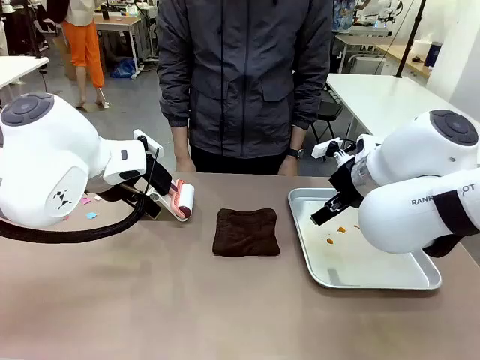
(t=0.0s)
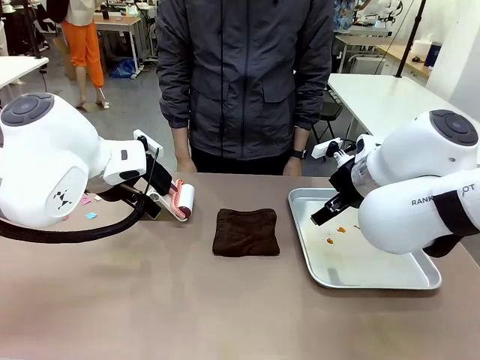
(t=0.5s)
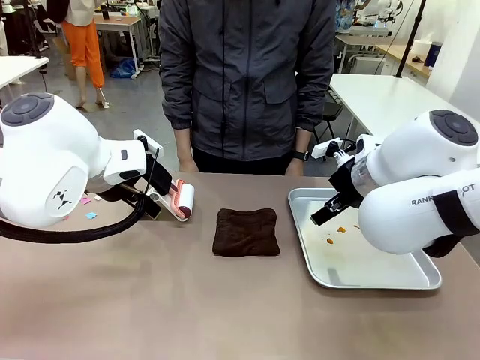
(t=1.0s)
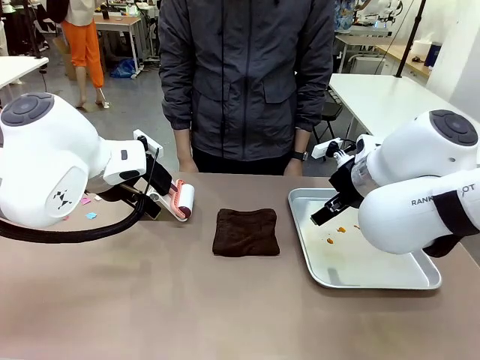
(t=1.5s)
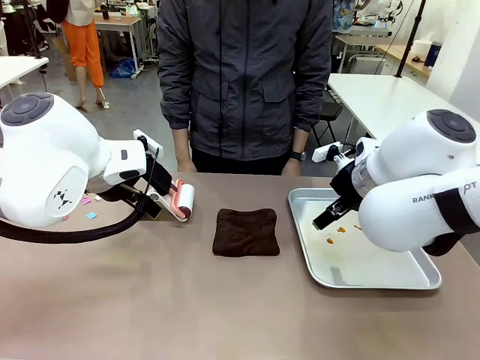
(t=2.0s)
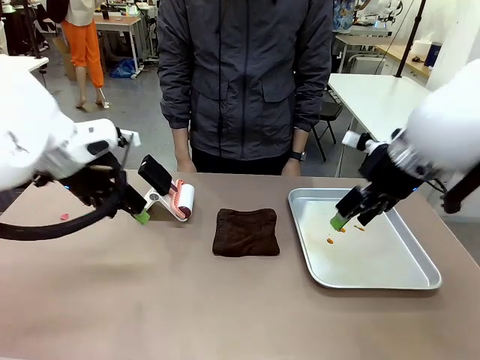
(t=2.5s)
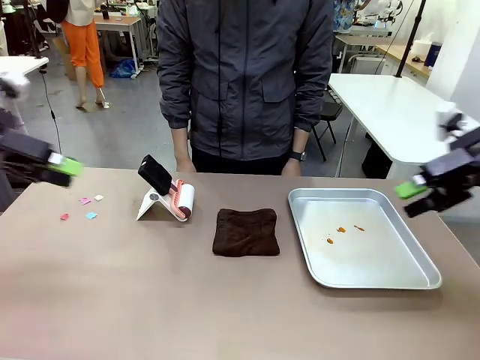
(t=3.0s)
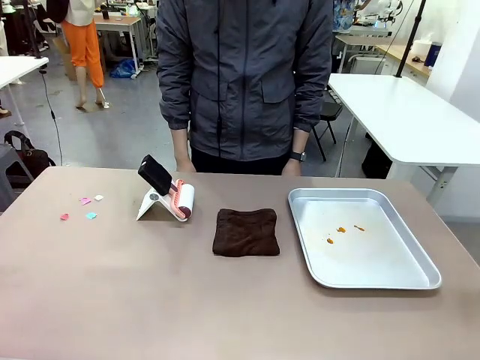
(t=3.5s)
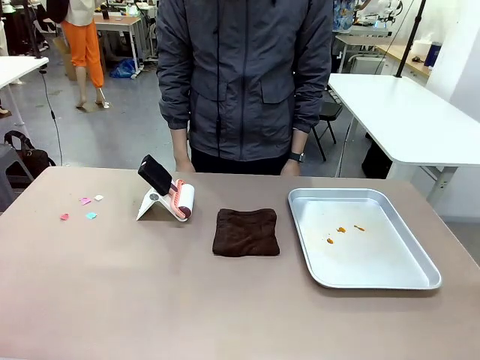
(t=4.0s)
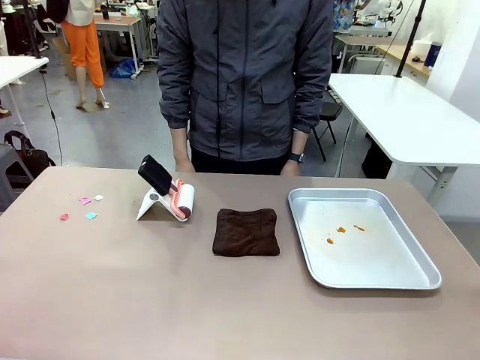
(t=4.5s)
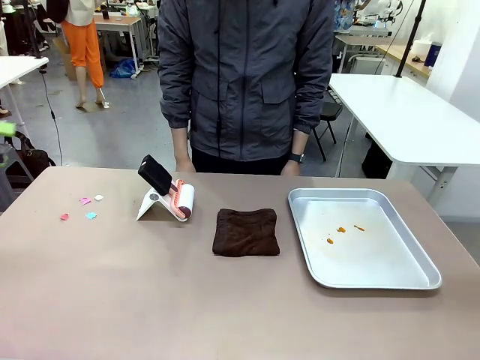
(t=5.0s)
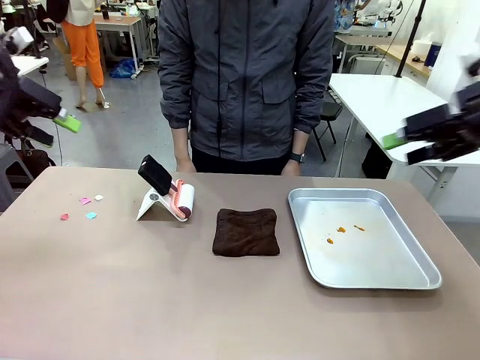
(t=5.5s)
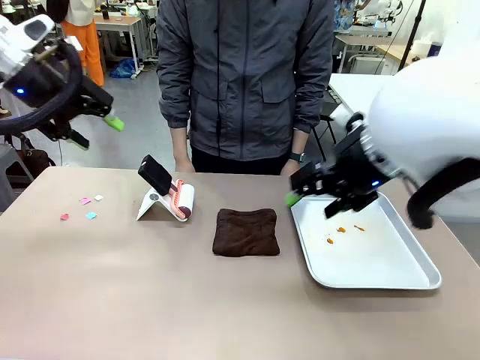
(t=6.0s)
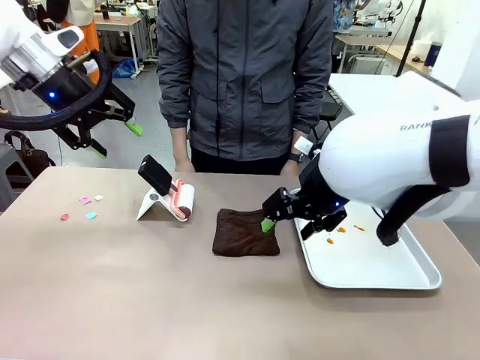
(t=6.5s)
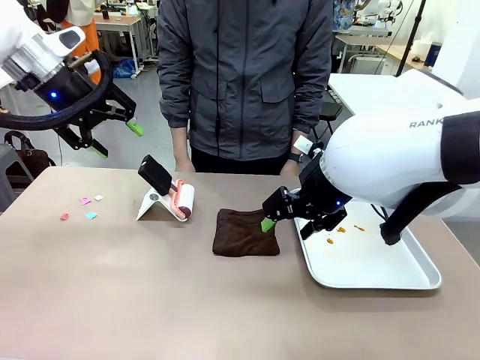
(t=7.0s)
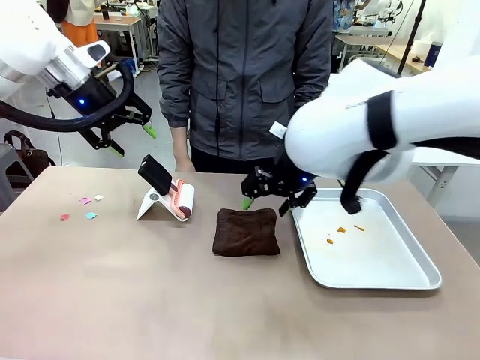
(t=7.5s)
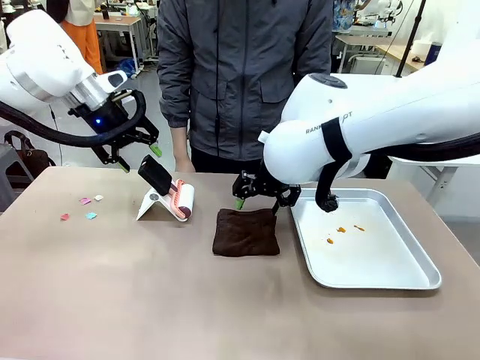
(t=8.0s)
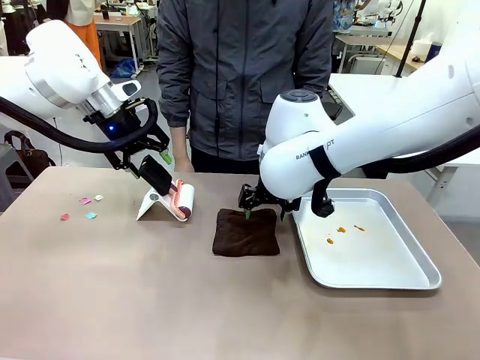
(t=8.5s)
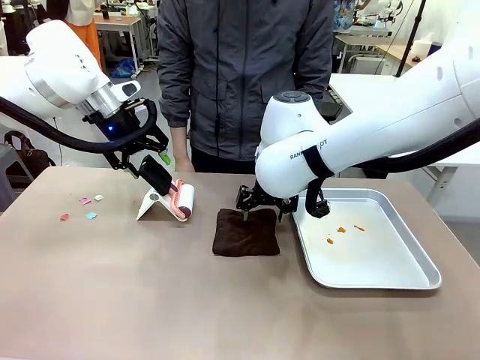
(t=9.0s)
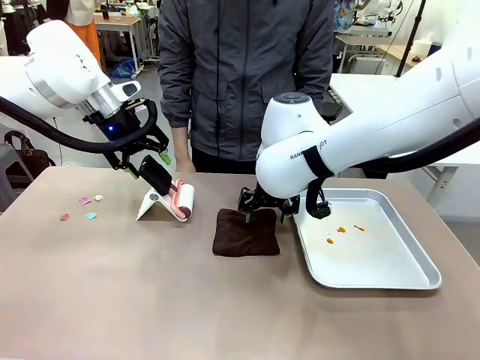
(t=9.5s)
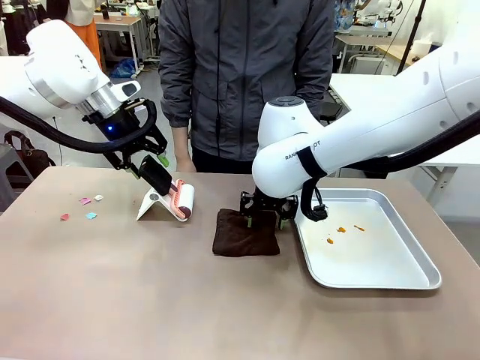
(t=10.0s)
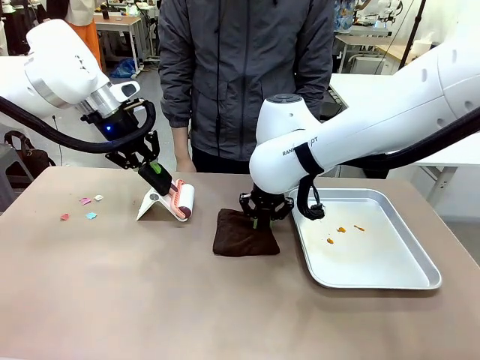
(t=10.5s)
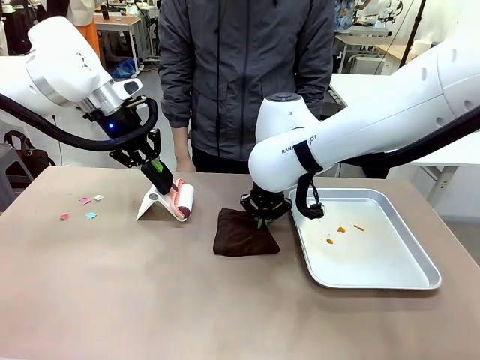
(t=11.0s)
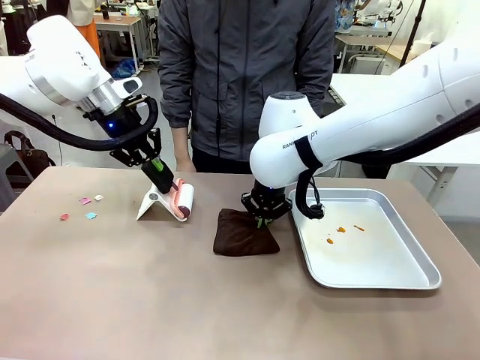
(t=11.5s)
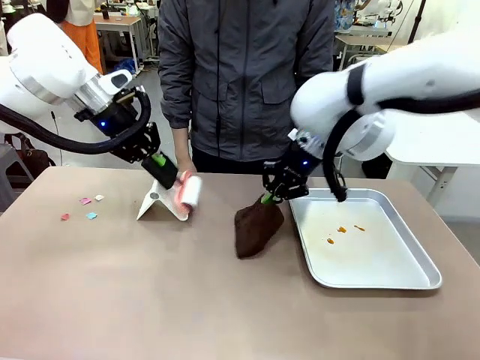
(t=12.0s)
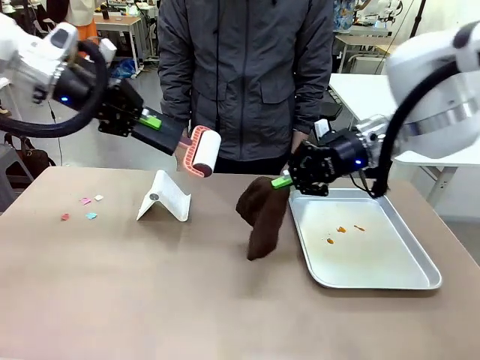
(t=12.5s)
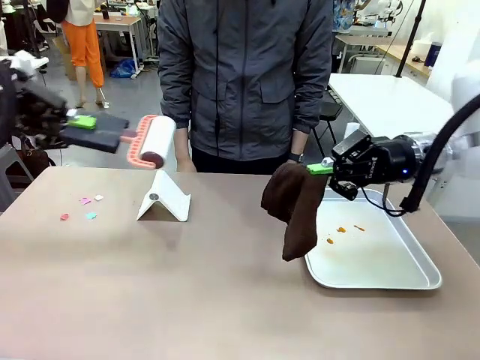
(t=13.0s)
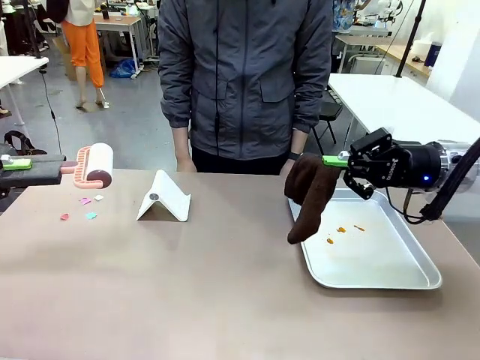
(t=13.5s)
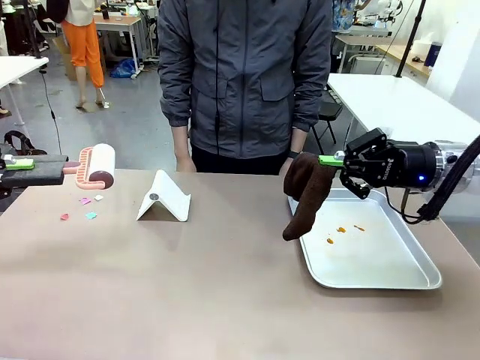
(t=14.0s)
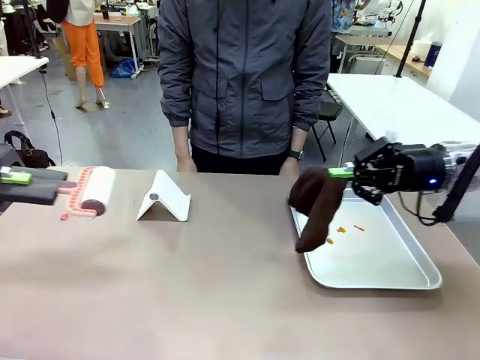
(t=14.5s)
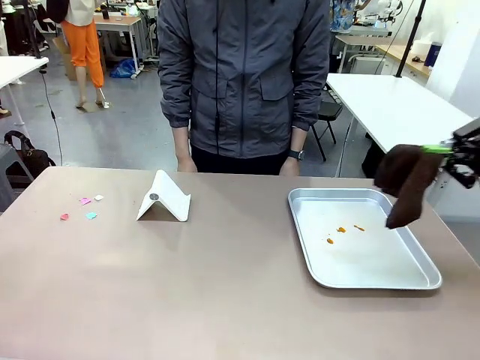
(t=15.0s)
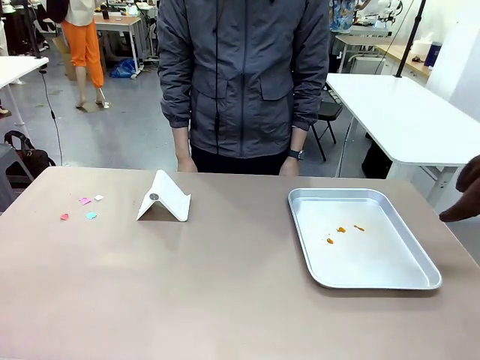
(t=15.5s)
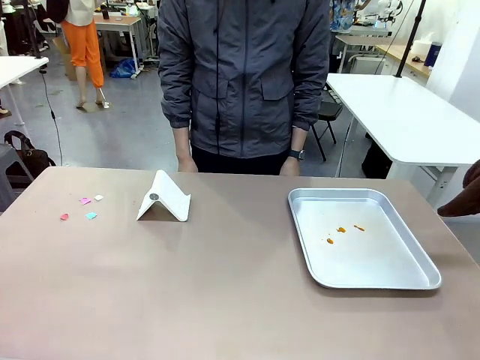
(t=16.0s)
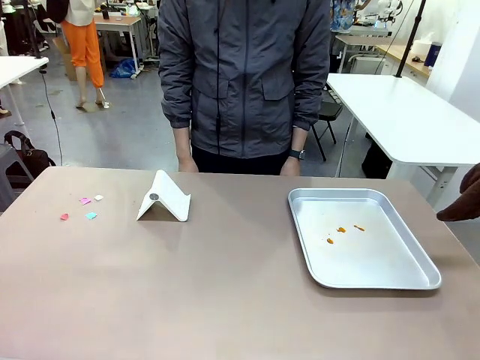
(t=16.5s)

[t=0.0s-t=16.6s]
Task: Clean the surface of the table.
Robot: Hold the Lint Roller with your left hand and the towel with your right hand.

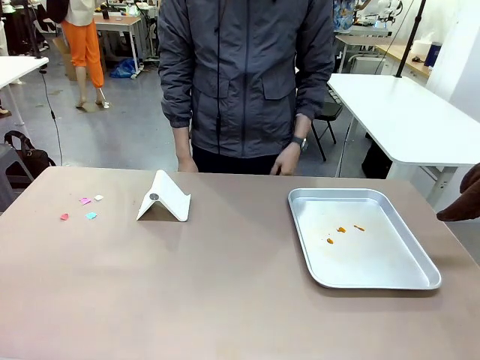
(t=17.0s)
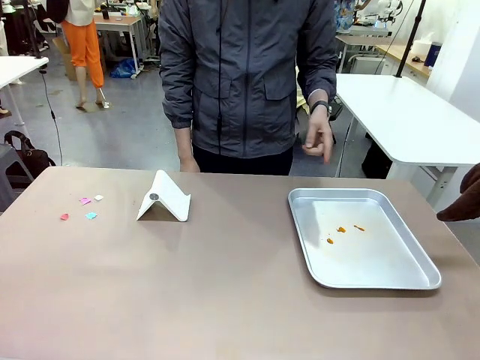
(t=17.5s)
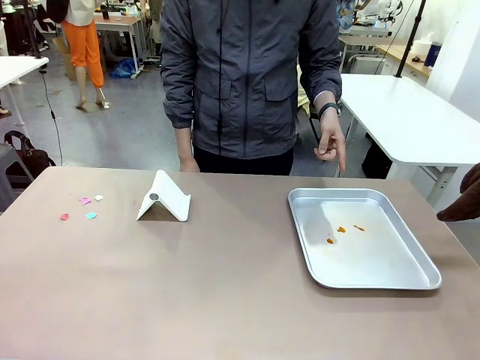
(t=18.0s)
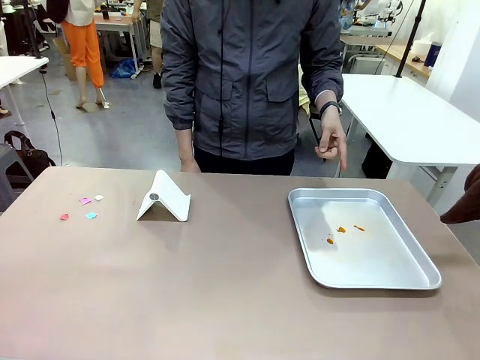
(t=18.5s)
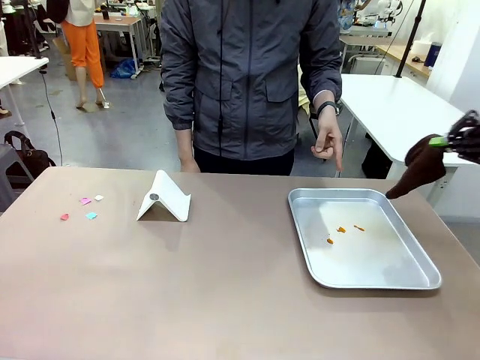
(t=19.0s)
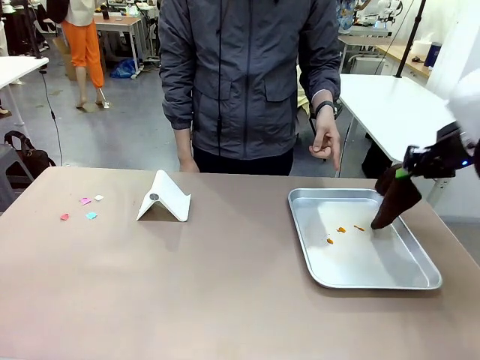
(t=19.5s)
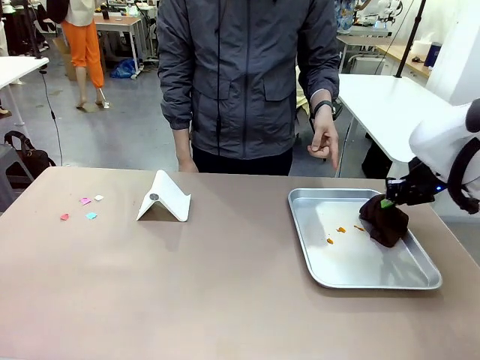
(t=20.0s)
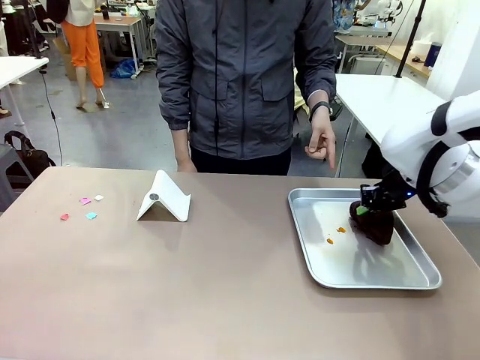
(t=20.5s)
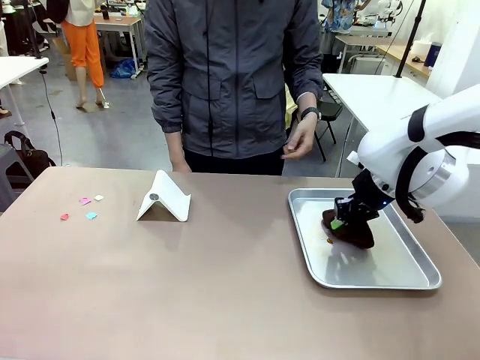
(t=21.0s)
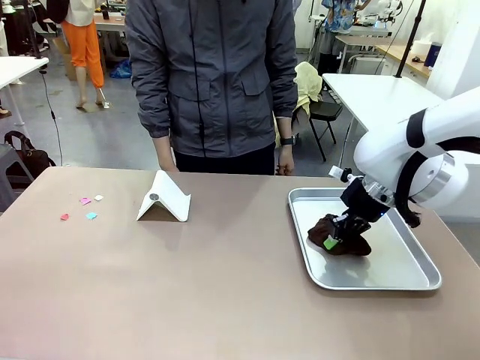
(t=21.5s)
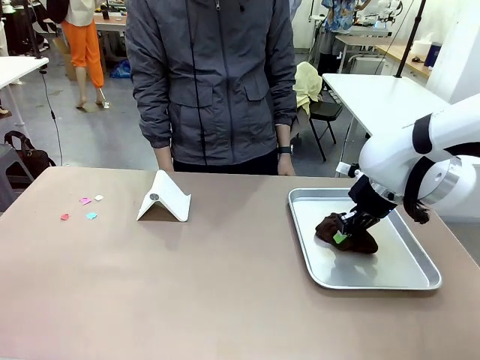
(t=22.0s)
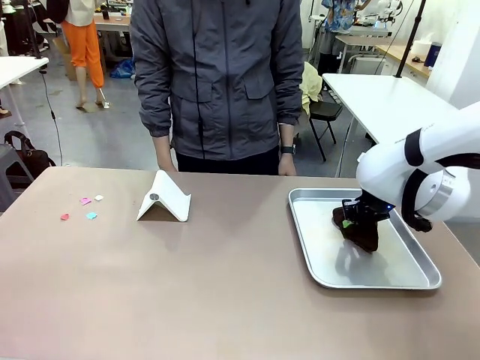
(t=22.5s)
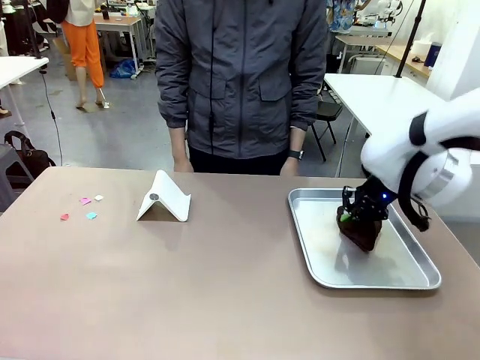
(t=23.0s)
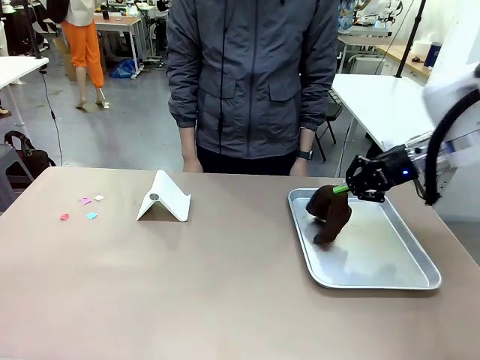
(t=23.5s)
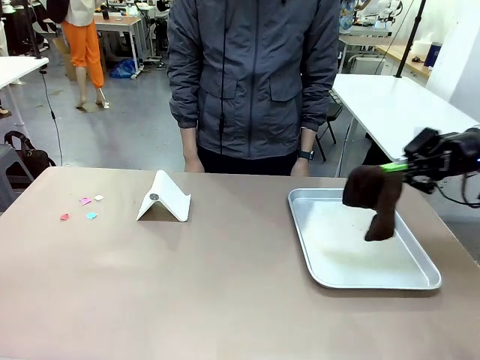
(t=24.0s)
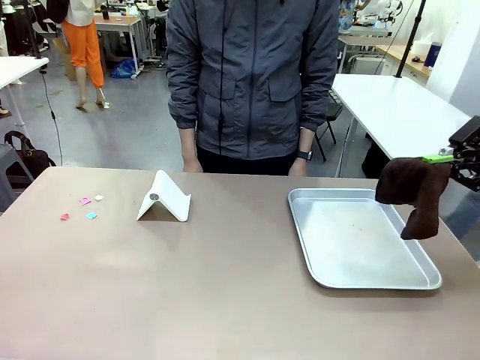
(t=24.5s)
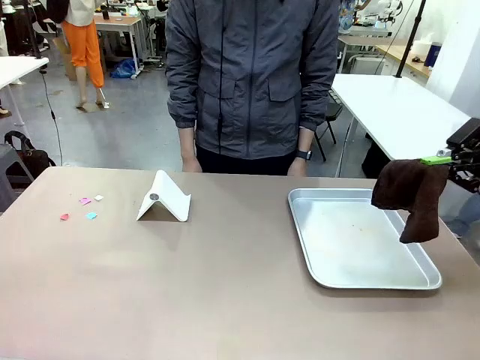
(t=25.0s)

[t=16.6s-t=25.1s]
Robot: If a person points to the right, clean the right side of the table with your right hand, and if they point to the left, clean the left side with your left hand.
